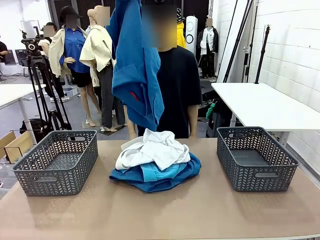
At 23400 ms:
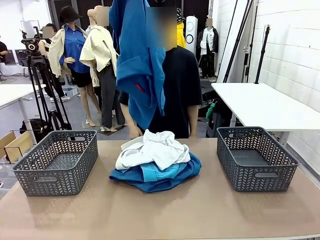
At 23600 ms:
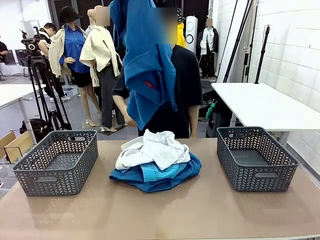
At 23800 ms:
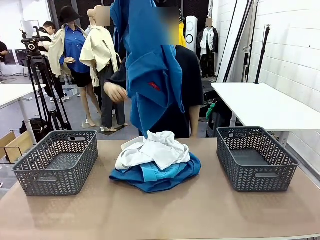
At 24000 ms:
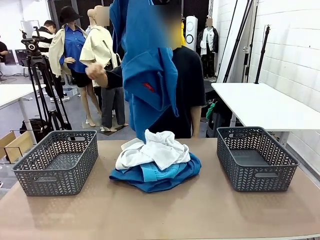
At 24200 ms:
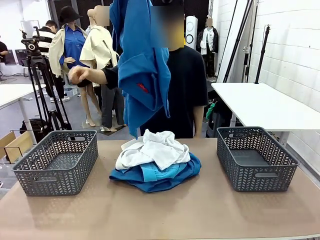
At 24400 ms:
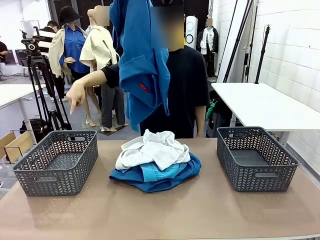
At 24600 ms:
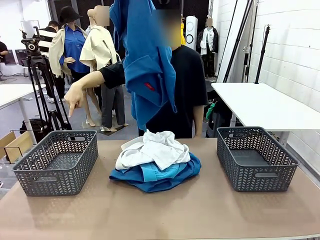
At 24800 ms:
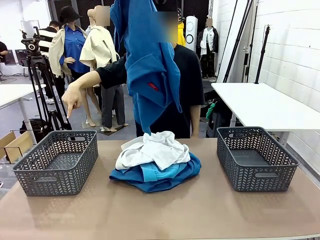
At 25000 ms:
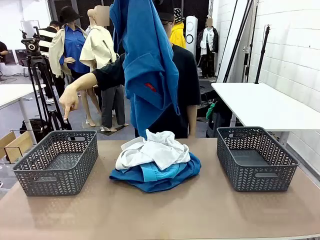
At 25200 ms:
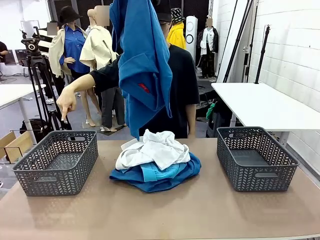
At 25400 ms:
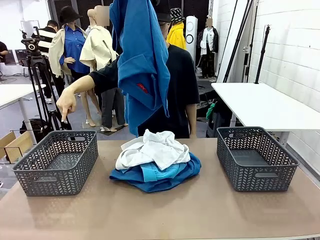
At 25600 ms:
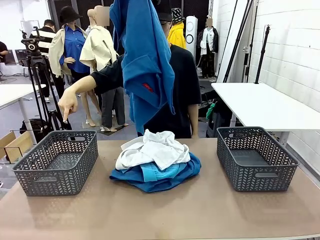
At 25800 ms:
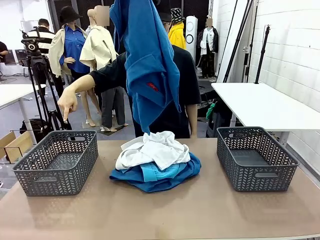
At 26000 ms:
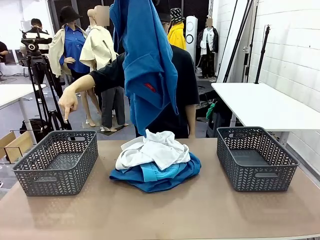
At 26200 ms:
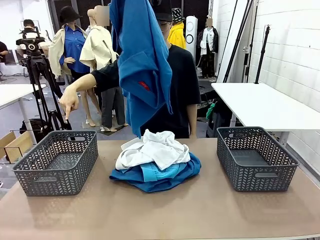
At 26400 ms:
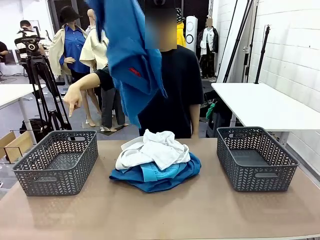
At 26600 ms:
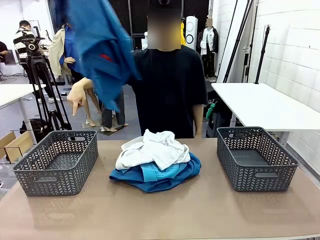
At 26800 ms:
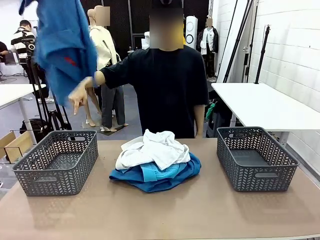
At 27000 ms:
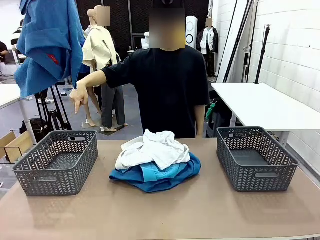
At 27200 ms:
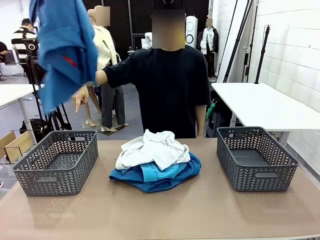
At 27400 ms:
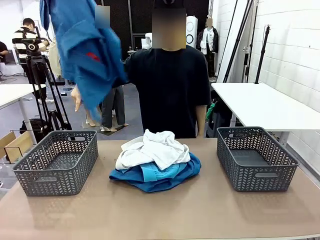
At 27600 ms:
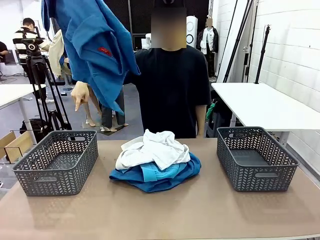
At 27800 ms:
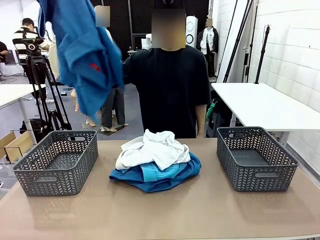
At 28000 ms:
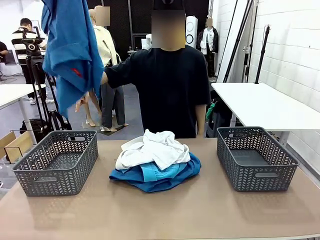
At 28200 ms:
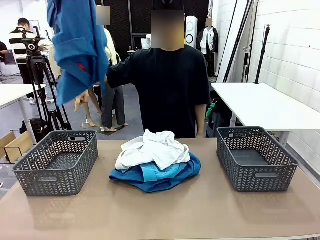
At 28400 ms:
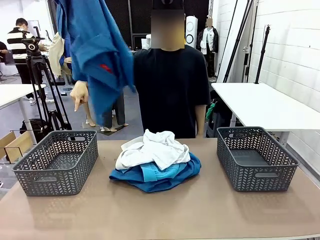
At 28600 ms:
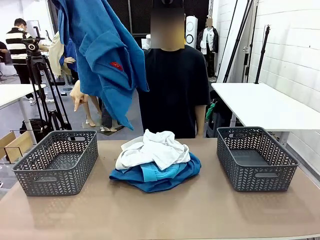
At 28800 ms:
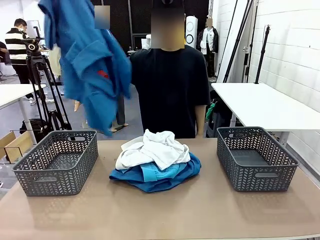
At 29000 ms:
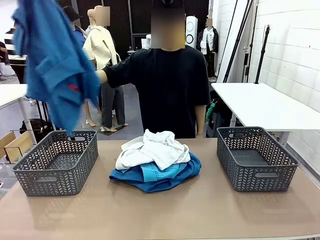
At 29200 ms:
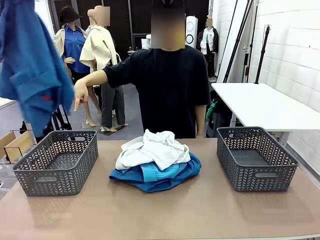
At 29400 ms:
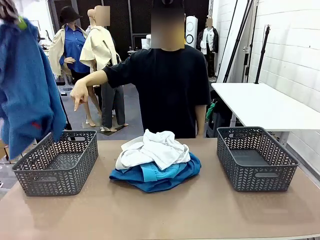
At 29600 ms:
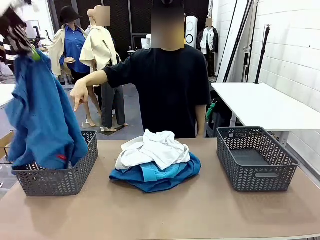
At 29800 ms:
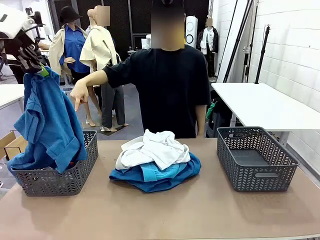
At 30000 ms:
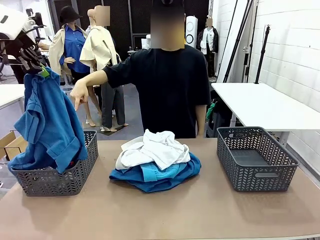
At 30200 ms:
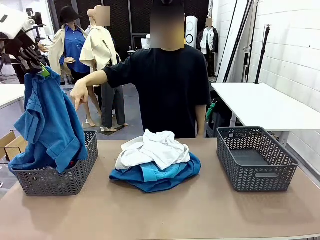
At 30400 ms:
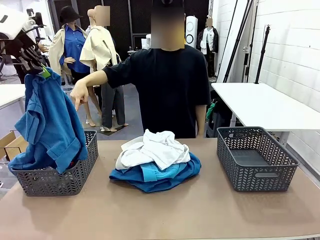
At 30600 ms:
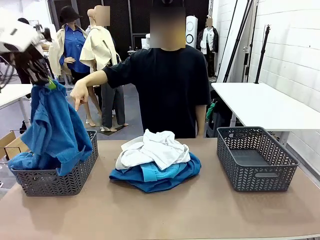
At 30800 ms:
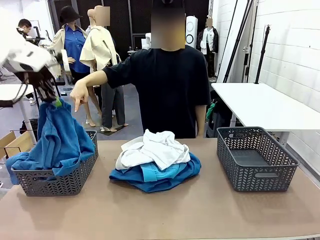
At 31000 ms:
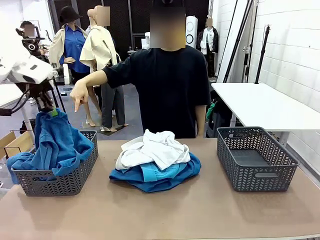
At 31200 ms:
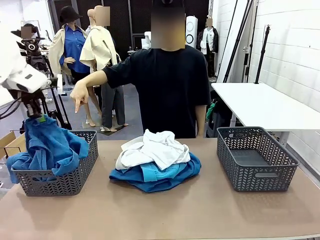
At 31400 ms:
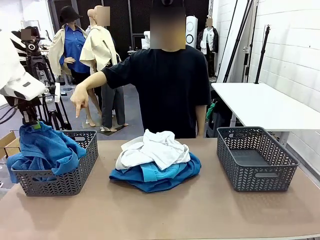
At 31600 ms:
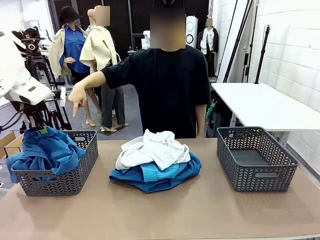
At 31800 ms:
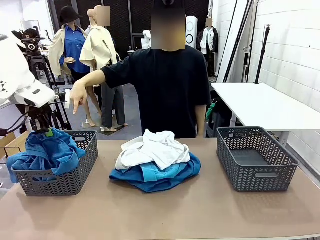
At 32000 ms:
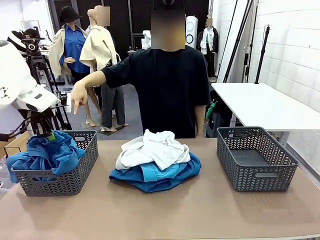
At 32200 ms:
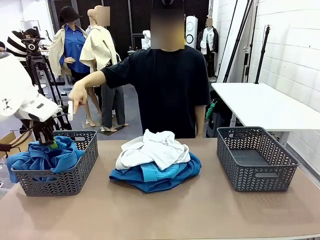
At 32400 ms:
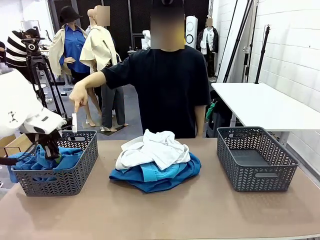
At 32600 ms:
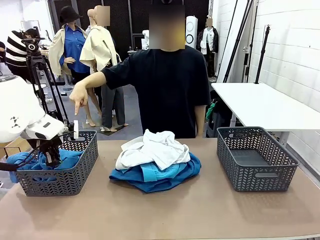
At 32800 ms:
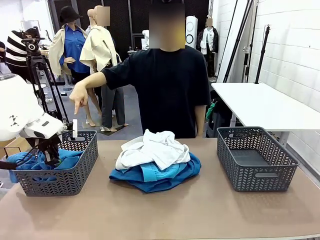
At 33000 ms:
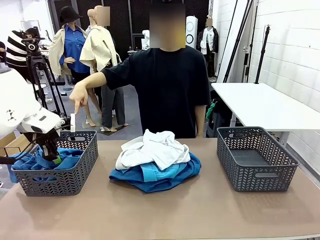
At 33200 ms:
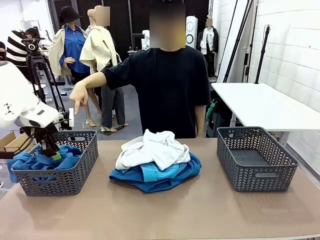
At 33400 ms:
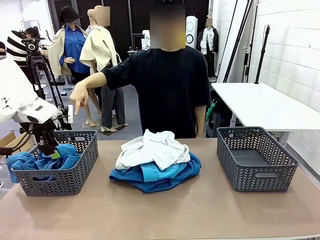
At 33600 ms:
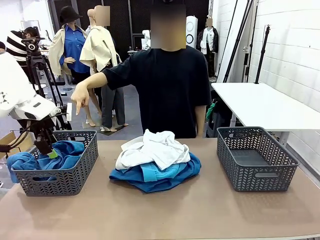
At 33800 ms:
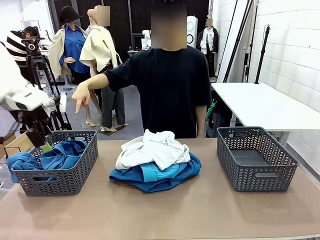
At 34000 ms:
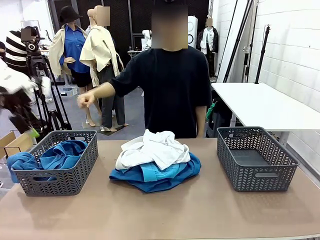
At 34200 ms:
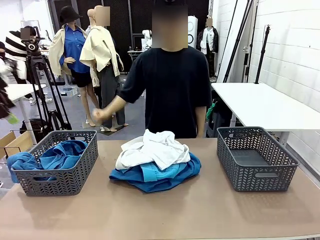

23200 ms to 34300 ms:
Task: Sort the tops and bottoms.
Robot: Sort the clothes according to human instructions.

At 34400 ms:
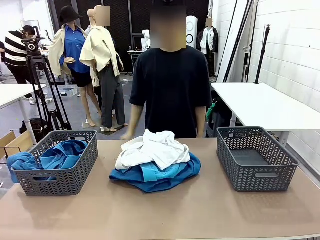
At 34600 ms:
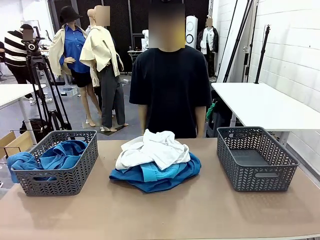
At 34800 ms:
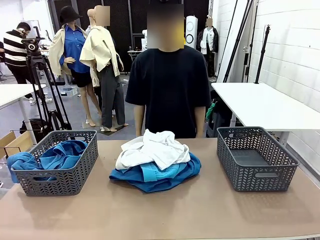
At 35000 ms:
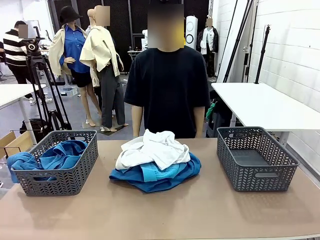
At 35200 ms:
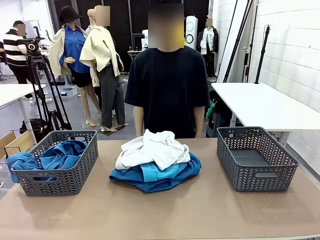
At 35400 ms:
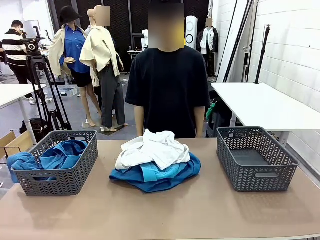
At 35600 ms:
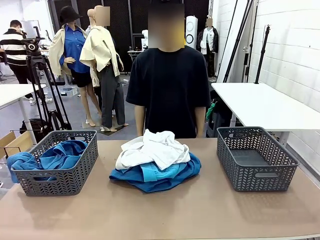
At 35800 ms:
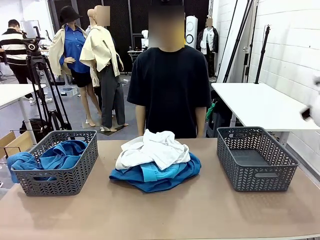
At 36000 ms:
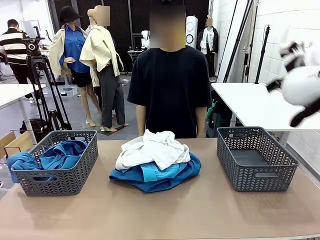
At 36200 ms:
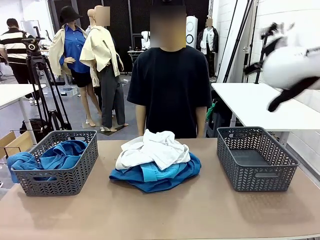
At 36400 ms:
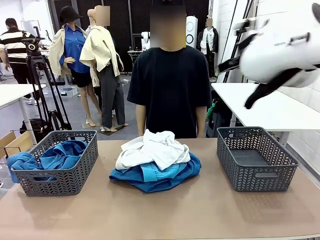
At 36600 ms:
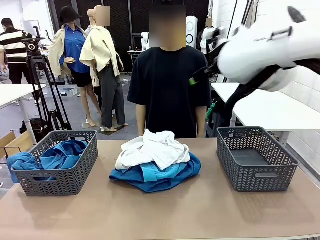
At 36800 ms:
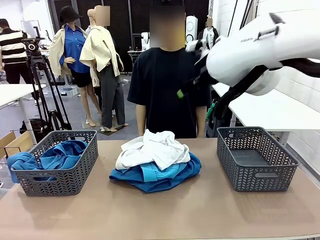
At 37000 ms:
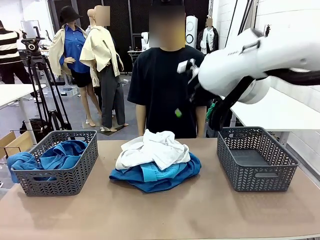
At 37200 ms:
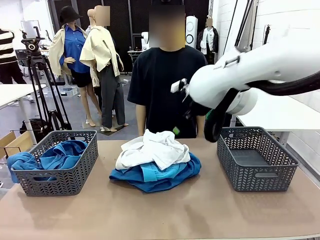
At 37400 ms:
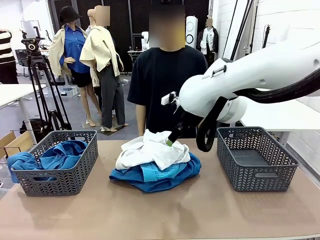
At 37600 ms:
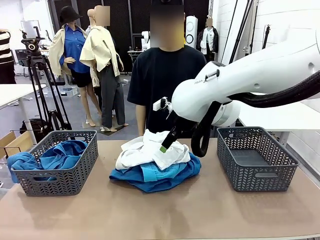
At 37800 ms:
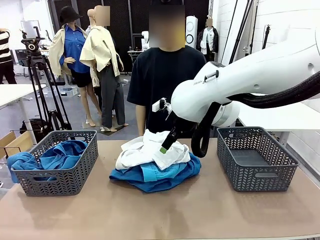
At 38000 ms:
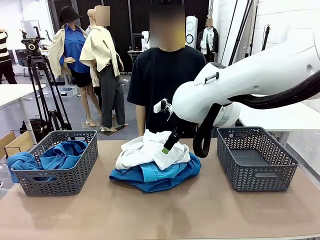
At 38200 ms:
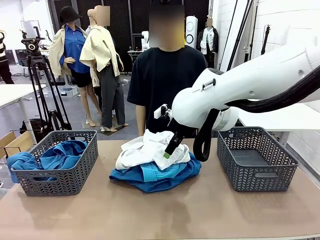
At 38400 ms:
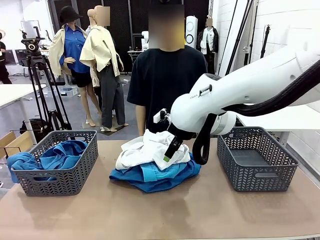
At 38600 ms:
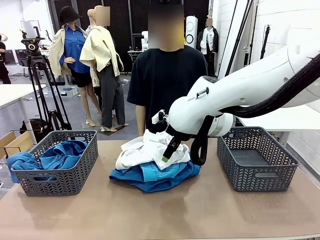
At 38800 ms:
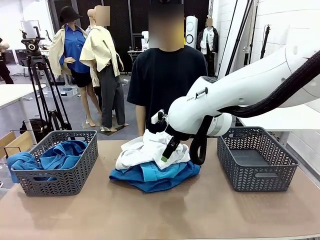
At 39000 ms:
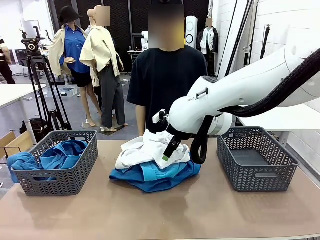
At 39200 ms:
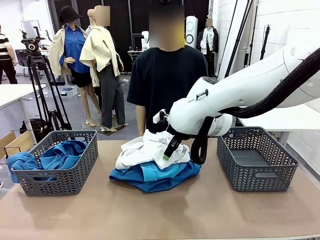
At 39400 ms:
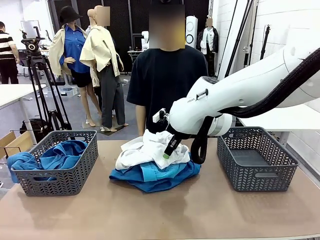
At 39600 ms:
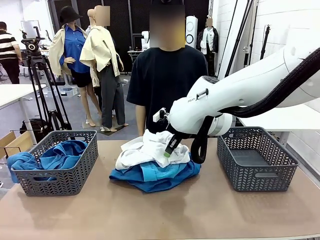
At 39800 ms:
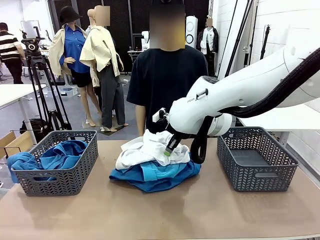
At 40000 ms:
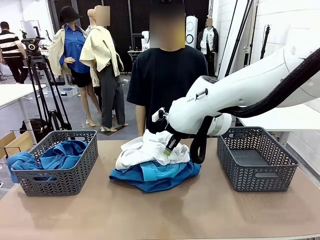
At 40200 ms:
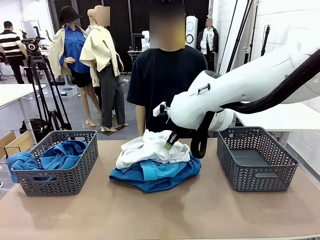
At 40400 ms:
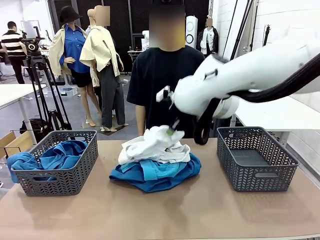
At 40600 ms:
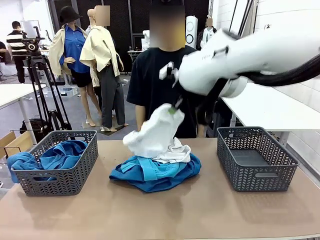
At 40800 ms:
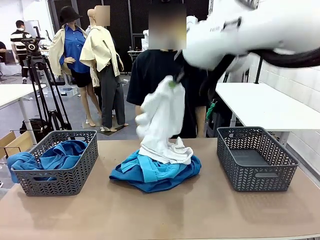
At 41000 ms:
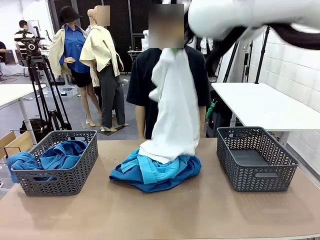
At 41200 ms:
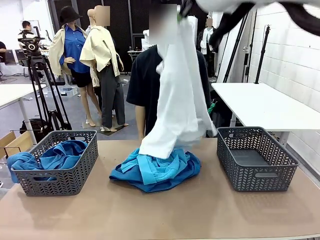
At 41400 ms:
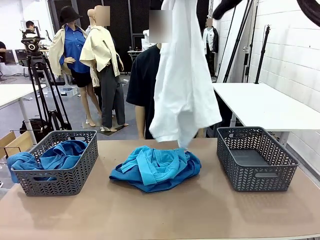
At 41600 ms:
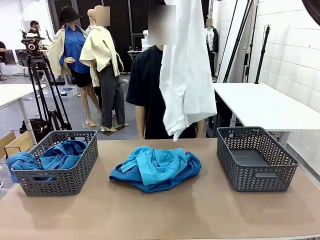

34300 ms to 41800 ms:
Robot: Lift clothes from the center of the table with your right hand.

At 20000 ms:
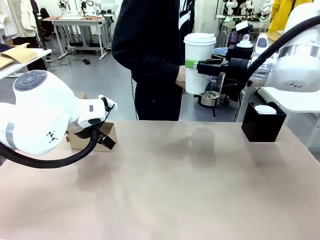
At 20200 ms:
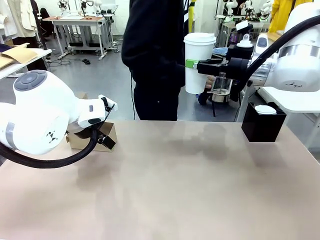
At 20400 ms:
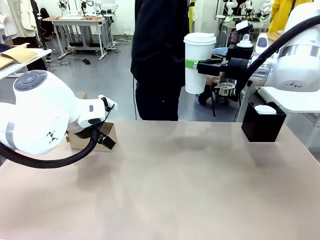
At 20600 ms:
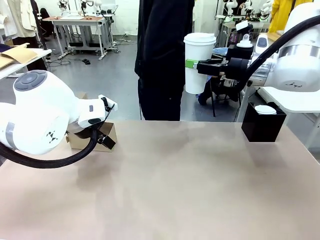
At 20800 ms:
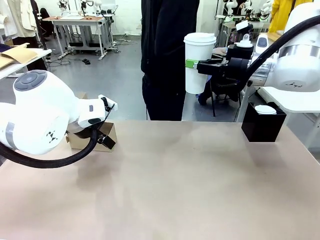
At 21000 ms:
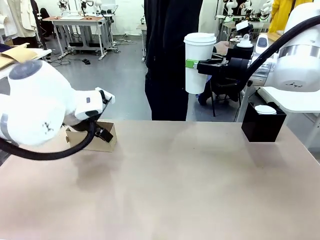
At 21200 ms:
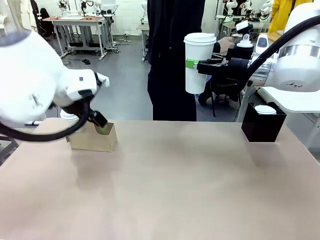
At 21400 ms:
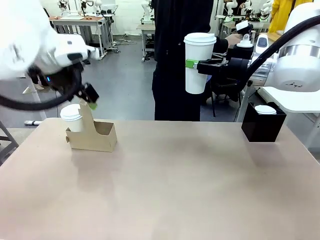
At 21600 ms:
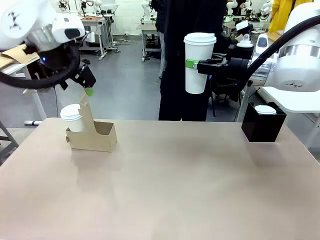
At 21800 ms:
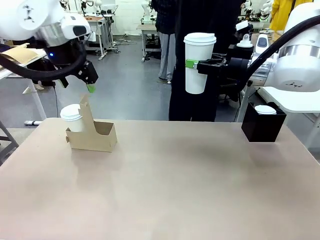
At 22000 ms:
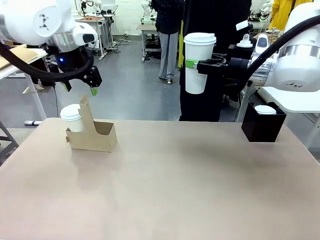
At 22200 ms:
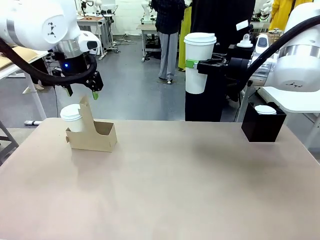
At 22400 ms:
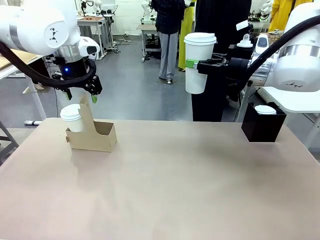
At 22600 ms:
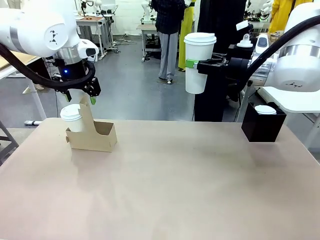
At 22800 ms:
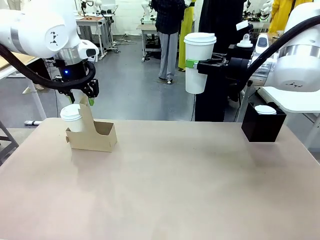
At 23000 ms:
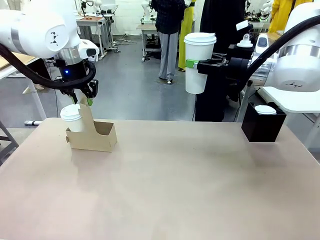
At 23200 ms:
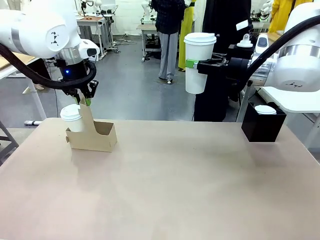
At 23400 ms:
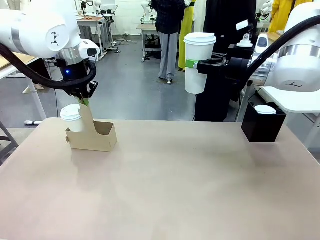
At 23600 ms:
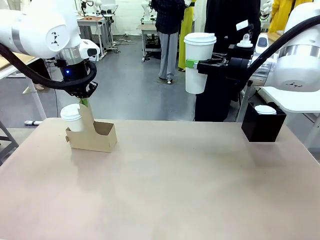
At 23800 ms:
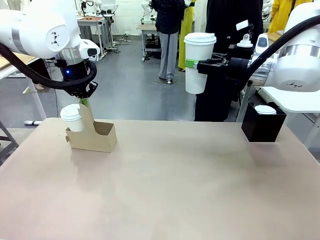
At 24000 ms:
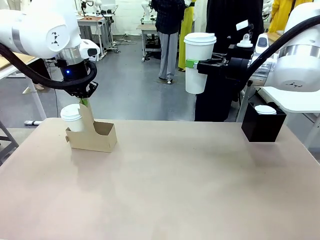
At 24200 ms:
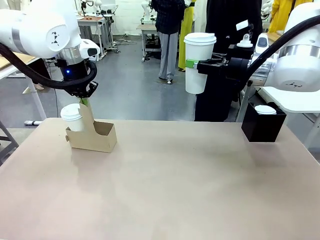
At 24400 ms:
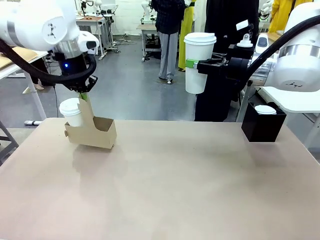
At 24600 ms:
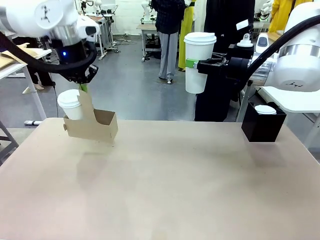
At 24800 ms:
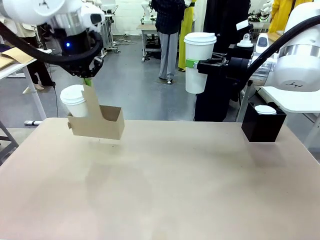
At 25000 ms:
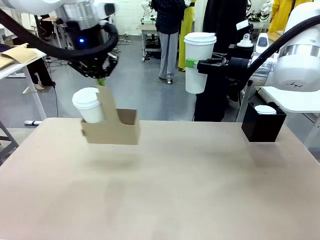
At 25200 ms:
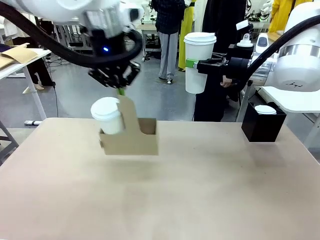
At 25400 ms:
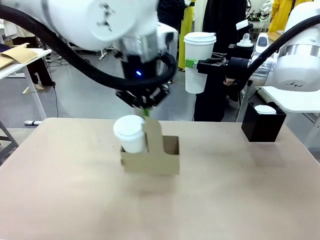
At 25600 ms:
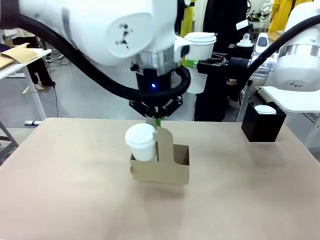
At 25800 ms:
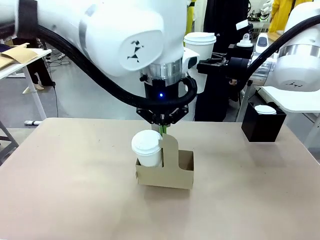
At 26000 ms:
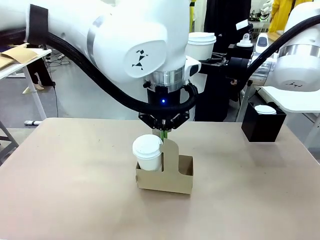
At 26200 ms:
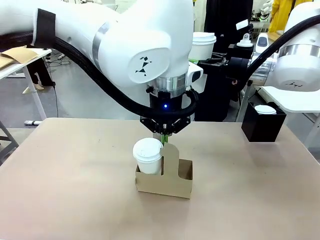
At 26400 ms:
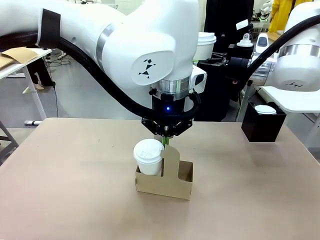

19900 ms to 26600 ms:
Task: Pour a drink into a cup and package it in a carrier.
Robot: Position the Cup Carrier in the center of the table.
